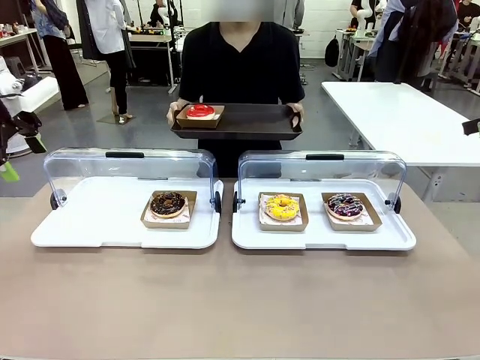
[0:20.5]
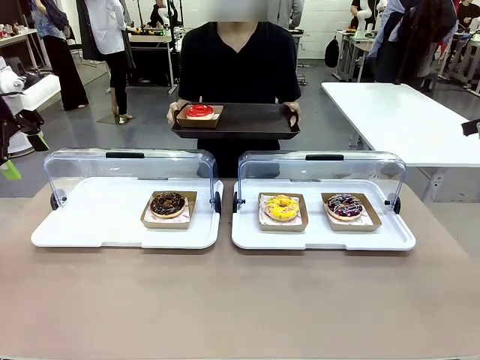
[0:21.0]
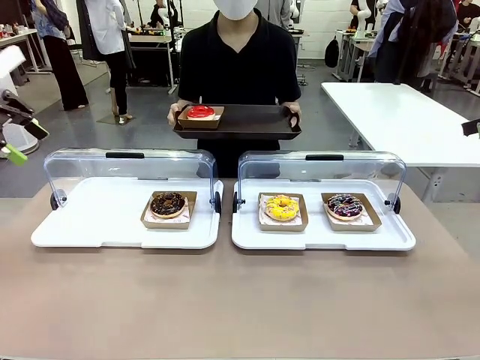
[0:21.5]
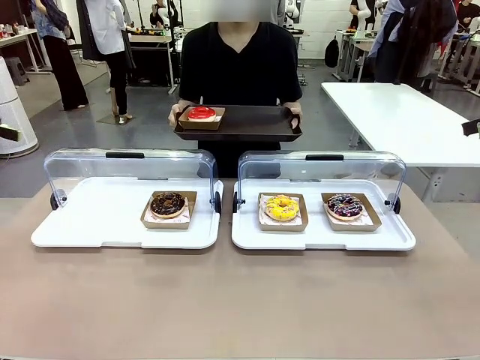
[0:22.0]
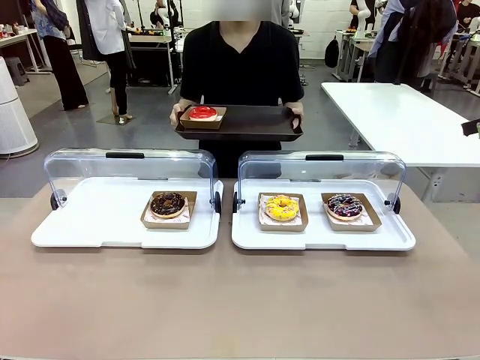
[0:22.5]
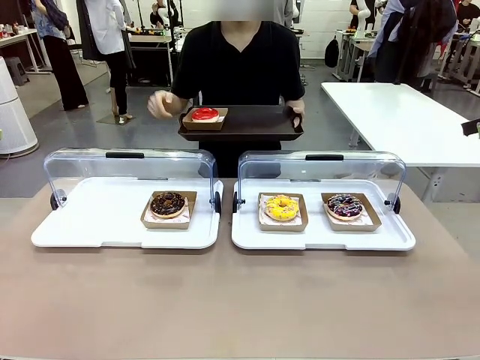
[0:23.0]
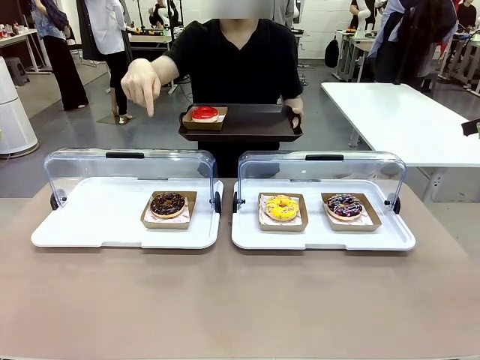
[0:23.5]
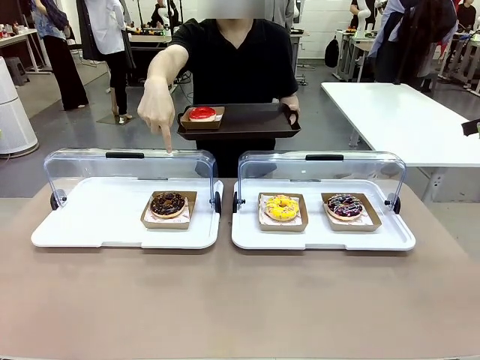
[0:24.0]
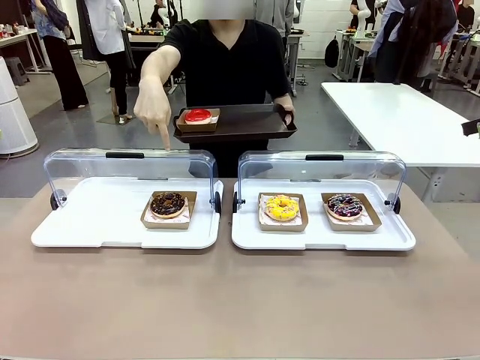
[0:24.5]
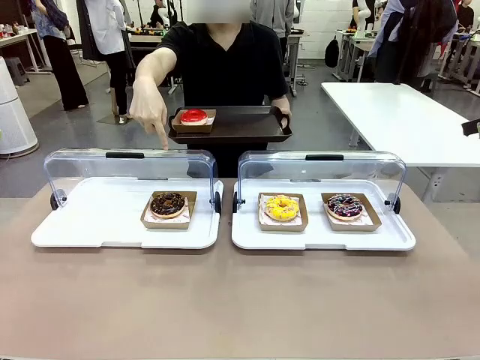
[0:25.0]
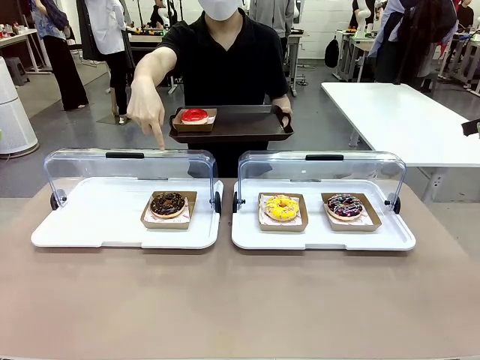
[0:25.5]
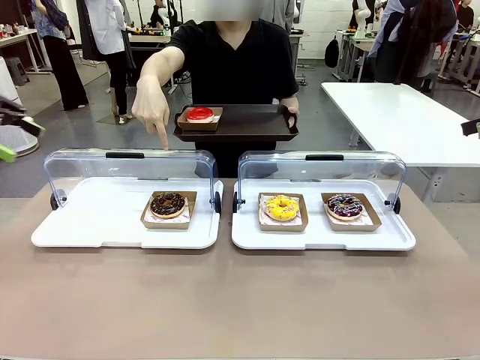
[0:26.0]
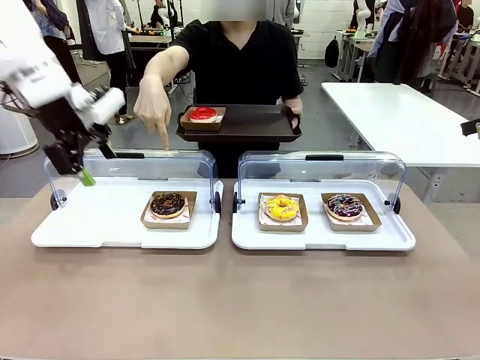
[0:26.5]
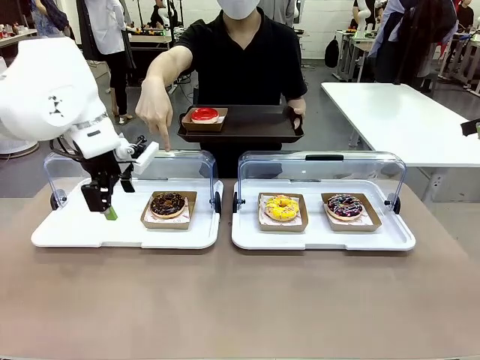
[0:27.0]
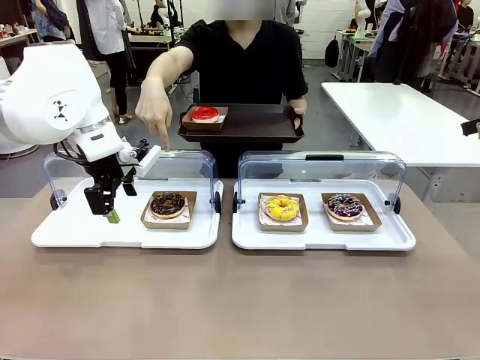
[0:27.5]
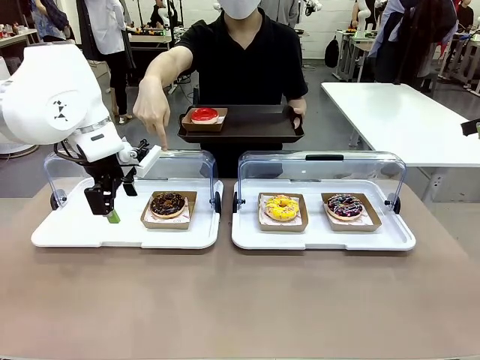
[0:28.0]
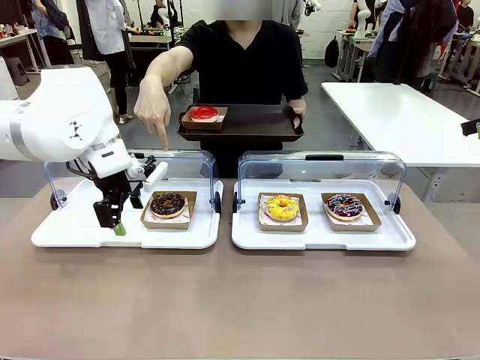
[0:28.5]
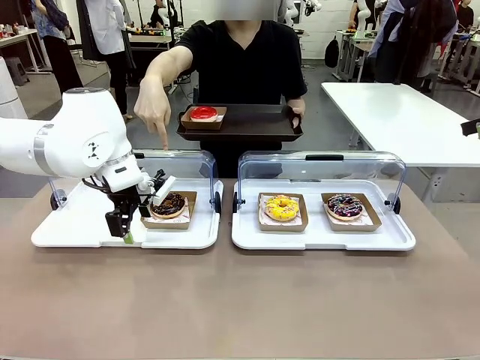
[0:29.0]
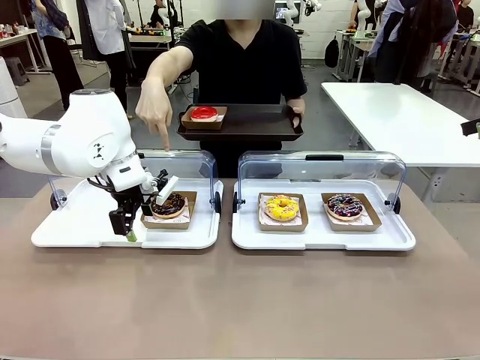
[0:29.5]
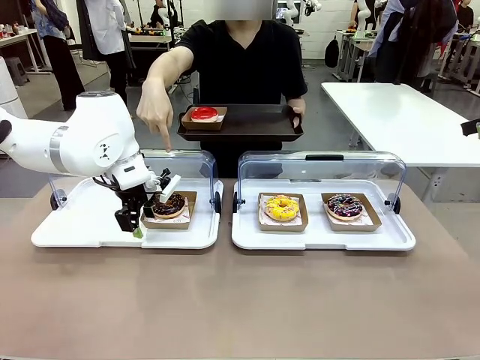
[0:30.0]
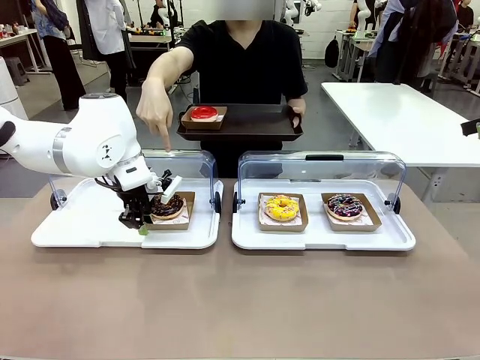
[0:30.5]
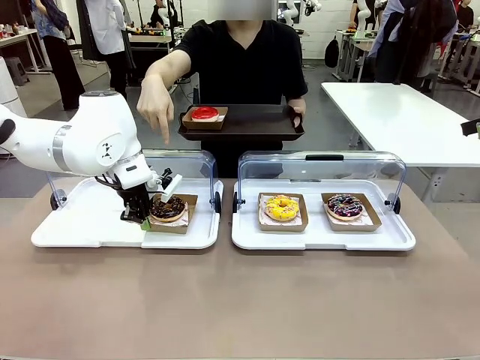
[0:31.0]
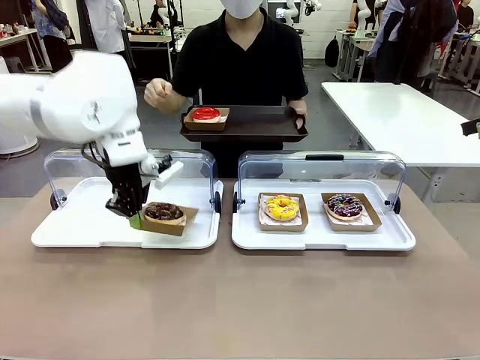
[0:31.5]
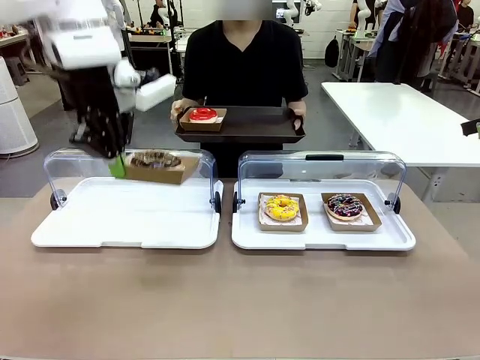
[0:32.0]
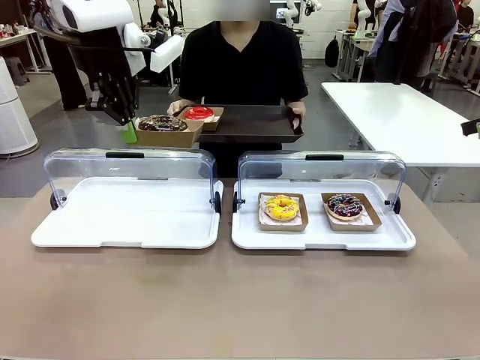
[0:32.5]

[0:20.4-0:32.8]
Task: Provide the desired donut to the person.
Robot: Pick up and lift the Paper togo box containing the Donut pointed at by the person.
Person: Point to one donut. Lift the tray onto the Roll-Top Bakery Case.

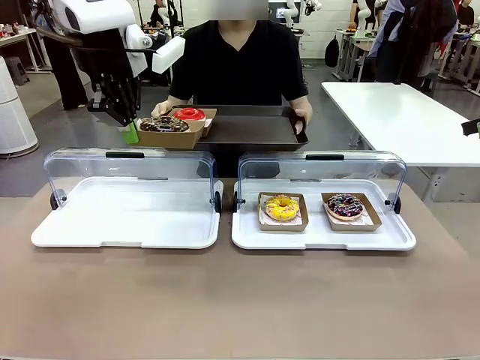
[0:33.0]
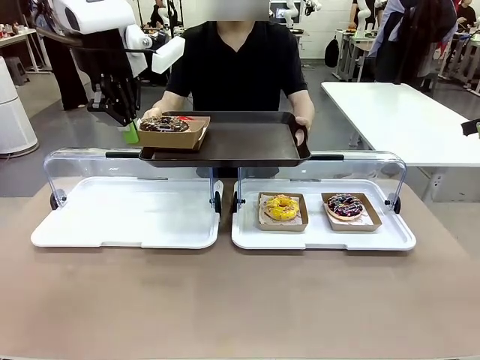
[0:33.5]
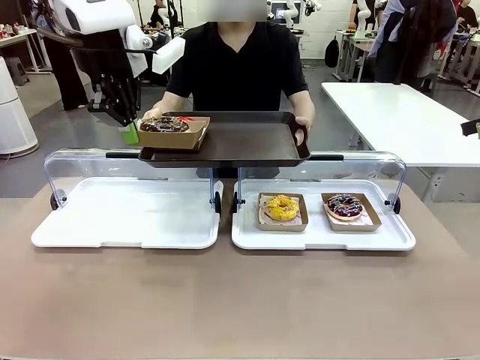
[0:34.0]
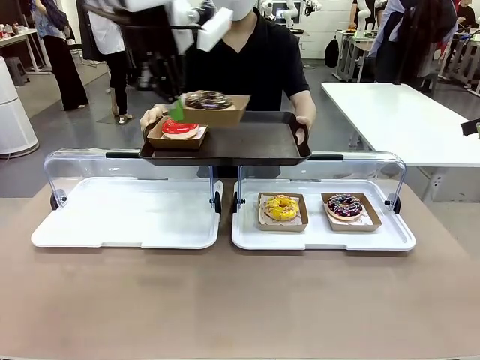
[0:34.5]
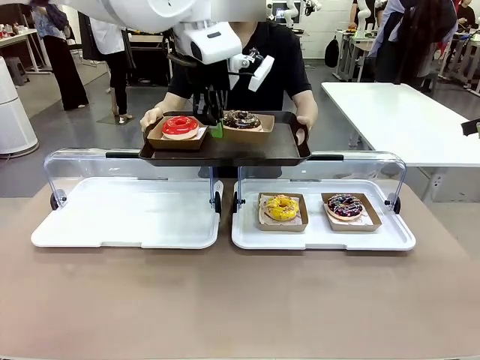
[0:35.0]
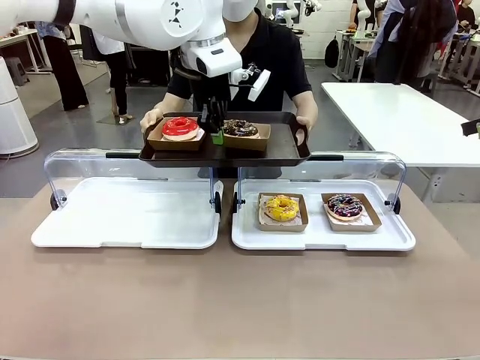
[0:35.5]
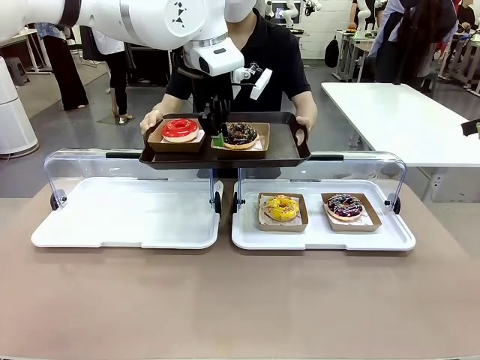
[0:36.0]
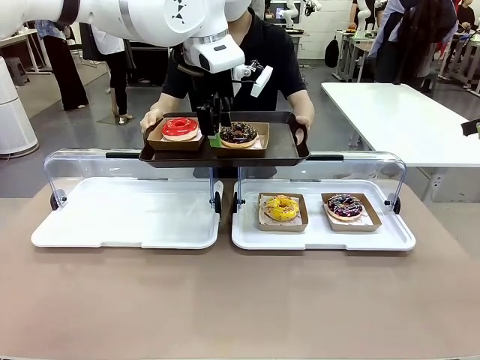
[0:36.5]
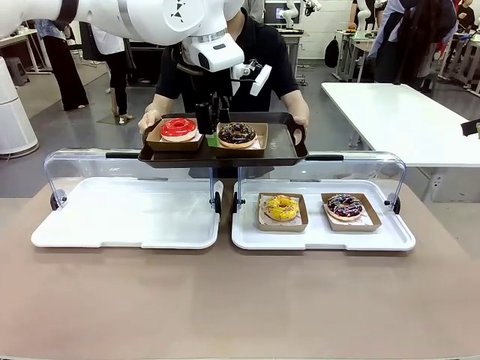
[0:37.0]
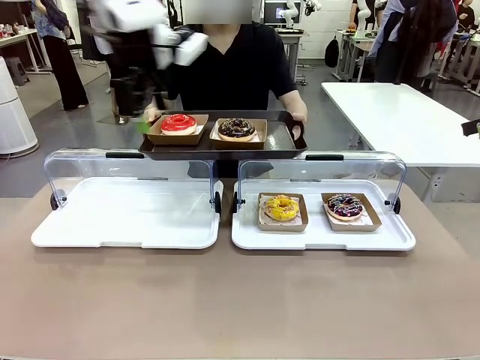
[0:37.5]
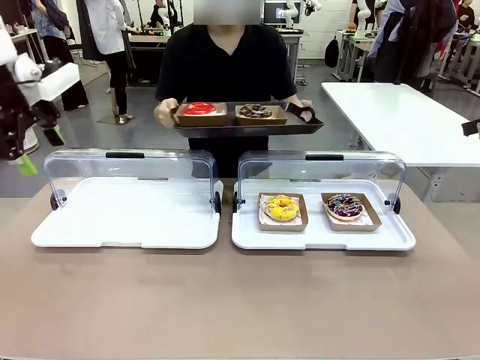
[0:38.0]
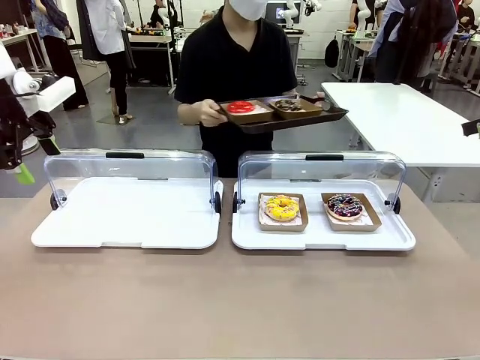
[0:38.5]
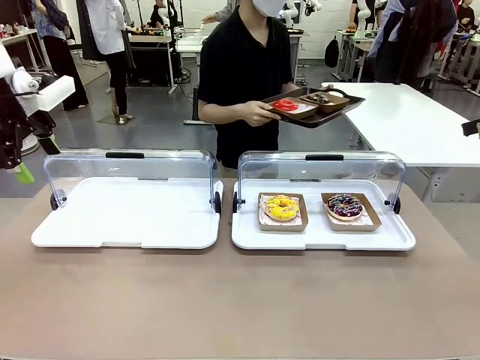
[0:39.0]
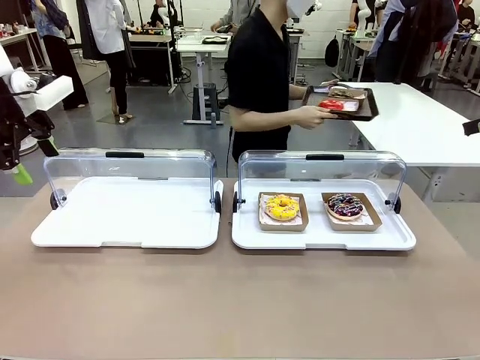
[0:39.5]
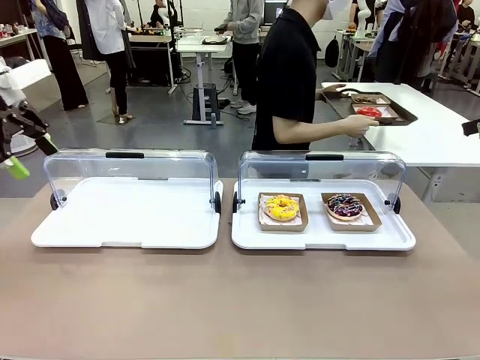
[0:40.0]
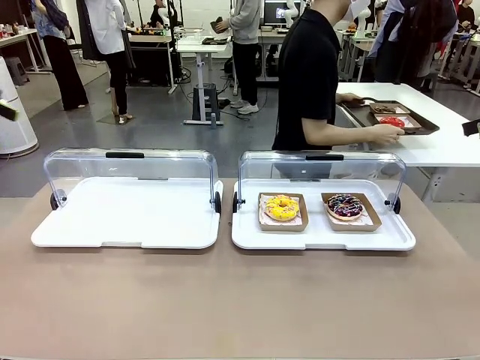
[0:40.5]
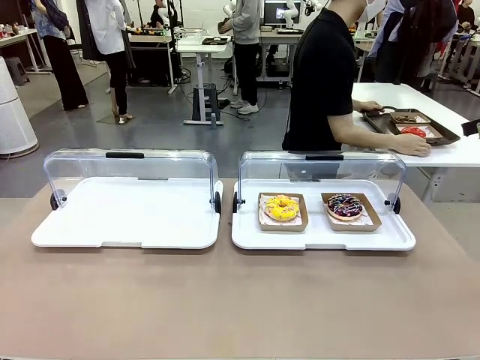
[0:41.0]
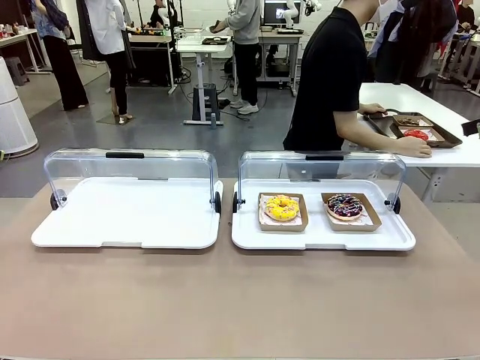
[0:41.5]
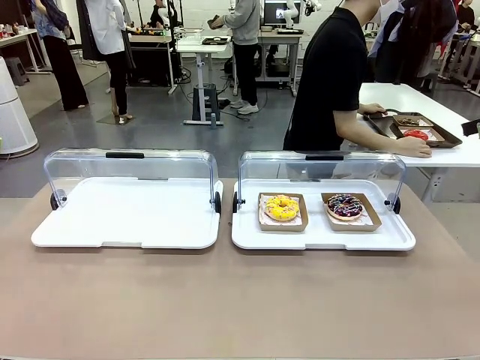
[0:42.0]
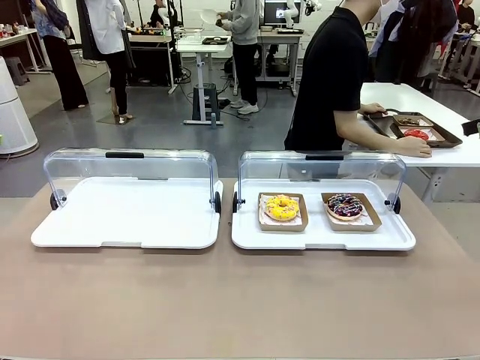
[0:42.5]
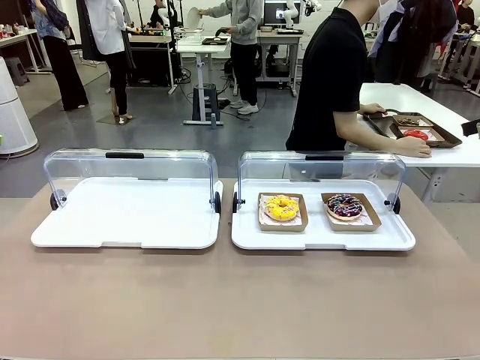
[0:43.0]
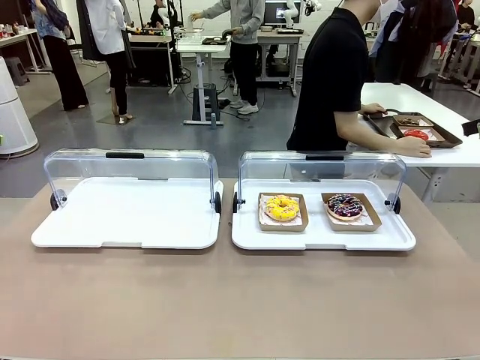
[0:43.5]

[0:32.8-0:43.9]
Robot: Place the picked Paper togo box onto the Handle tray extended by the person.
Person: Place the tray in the middle of the human table.
